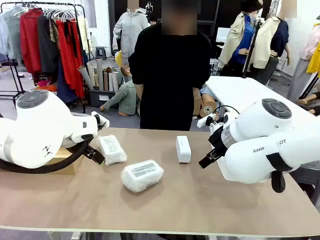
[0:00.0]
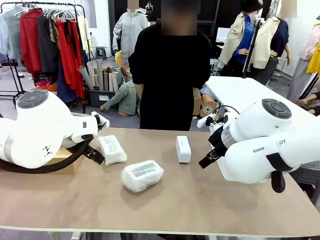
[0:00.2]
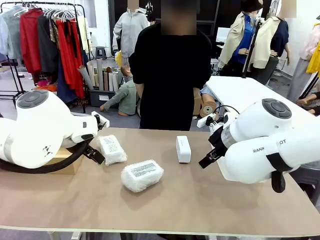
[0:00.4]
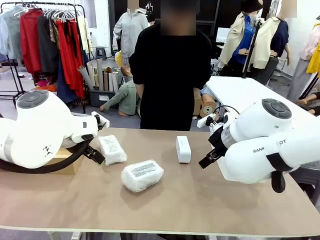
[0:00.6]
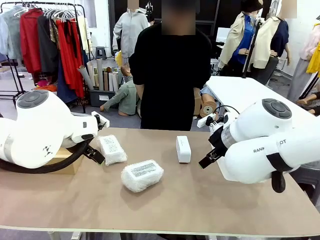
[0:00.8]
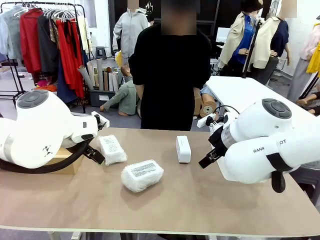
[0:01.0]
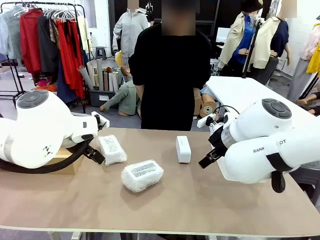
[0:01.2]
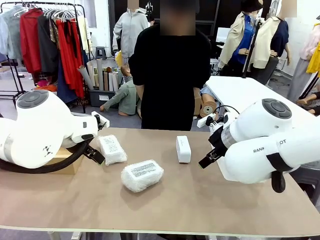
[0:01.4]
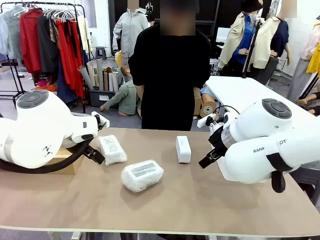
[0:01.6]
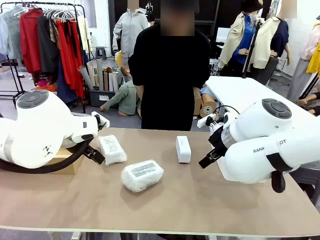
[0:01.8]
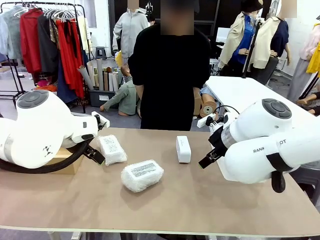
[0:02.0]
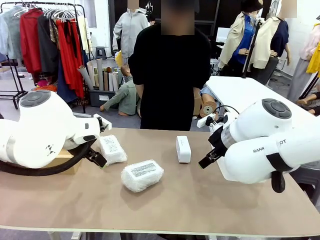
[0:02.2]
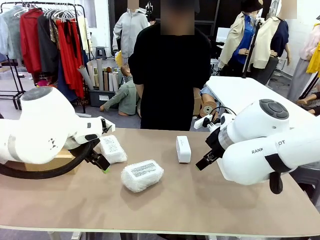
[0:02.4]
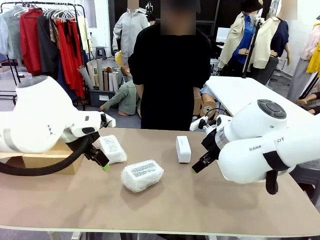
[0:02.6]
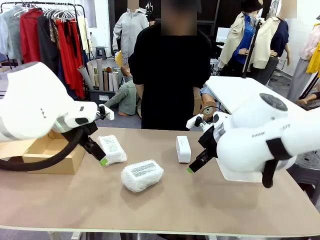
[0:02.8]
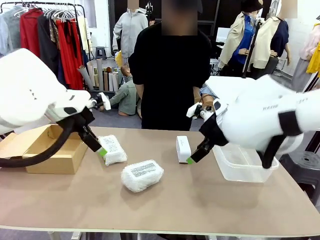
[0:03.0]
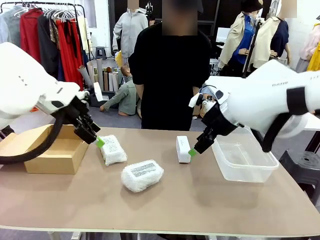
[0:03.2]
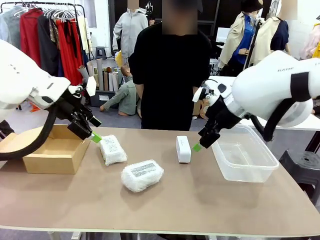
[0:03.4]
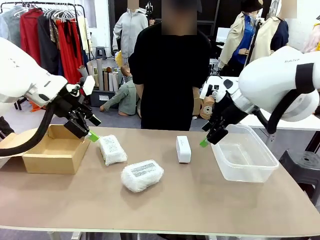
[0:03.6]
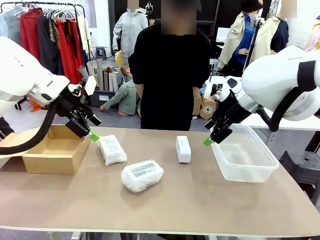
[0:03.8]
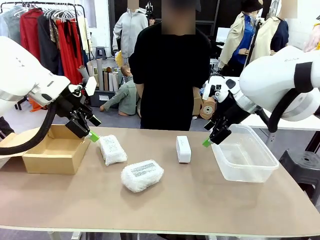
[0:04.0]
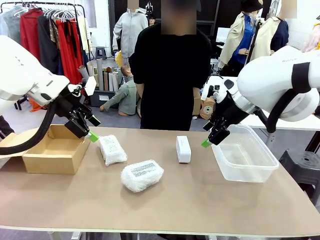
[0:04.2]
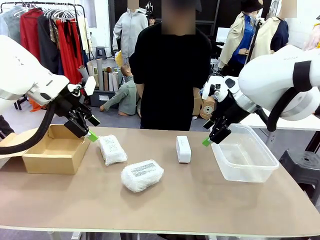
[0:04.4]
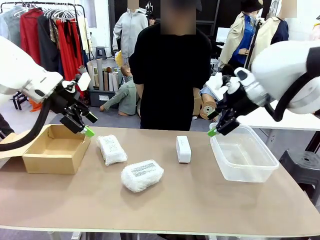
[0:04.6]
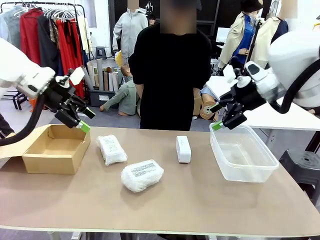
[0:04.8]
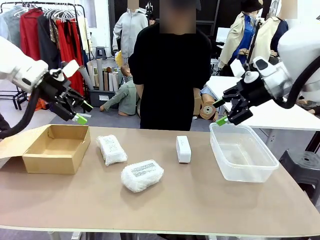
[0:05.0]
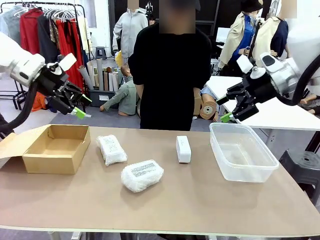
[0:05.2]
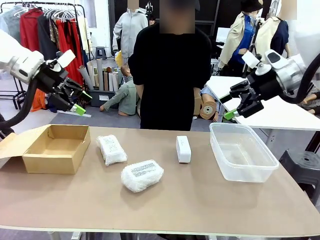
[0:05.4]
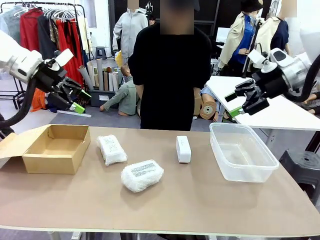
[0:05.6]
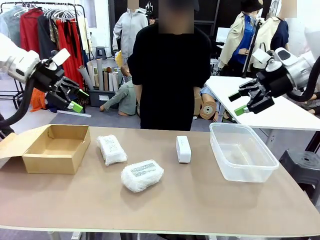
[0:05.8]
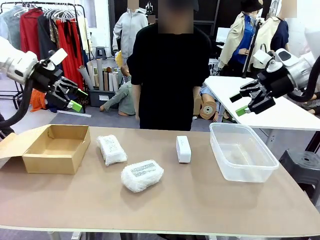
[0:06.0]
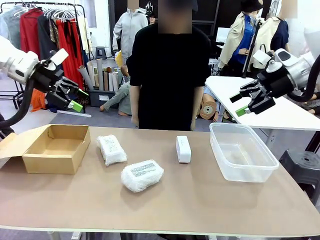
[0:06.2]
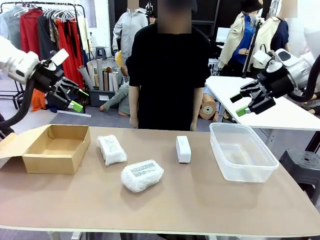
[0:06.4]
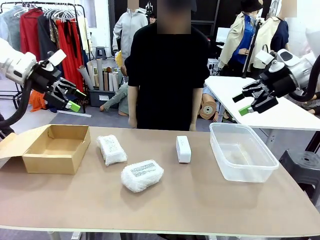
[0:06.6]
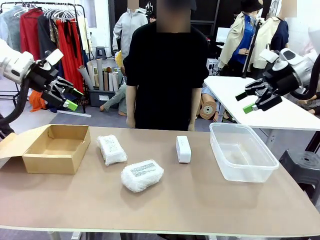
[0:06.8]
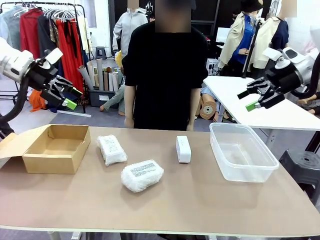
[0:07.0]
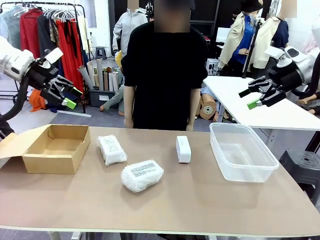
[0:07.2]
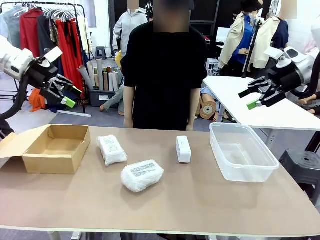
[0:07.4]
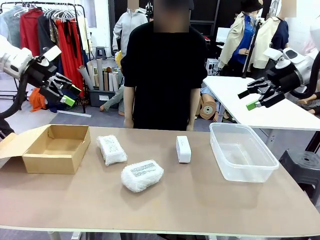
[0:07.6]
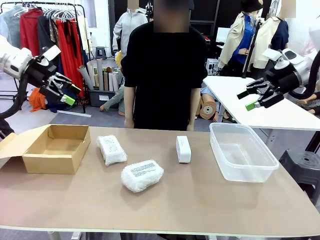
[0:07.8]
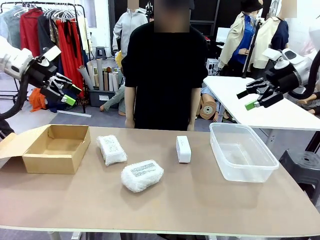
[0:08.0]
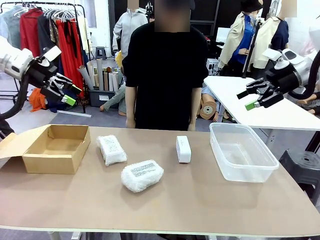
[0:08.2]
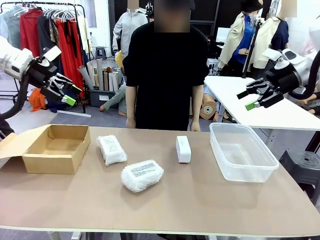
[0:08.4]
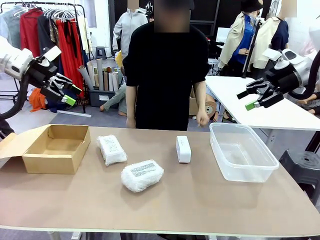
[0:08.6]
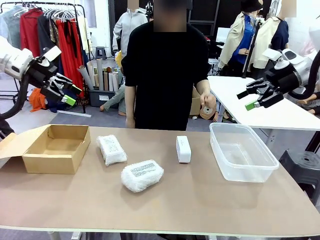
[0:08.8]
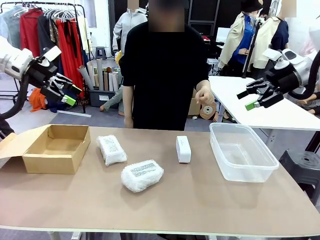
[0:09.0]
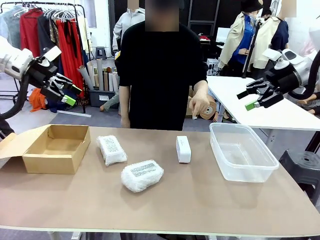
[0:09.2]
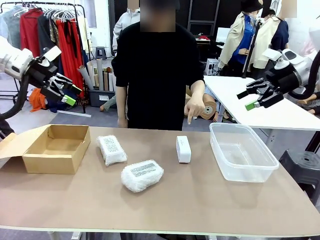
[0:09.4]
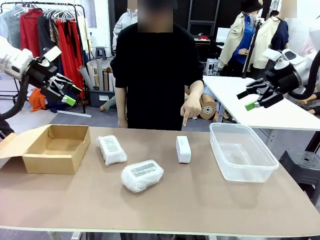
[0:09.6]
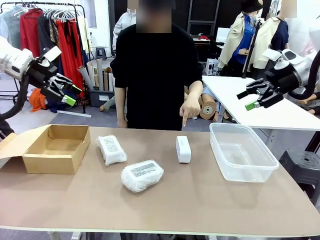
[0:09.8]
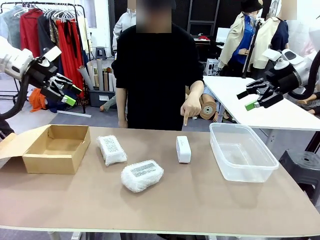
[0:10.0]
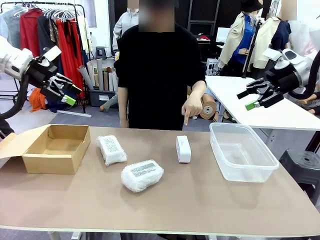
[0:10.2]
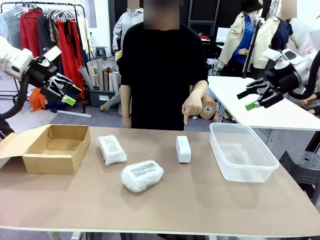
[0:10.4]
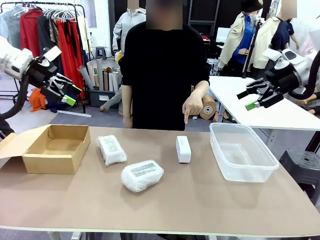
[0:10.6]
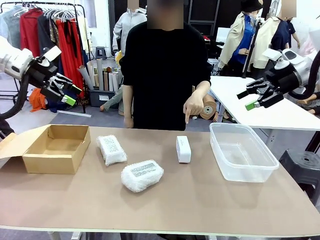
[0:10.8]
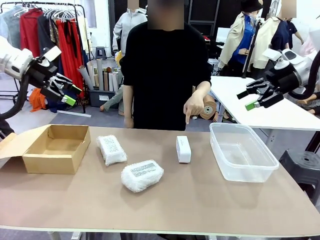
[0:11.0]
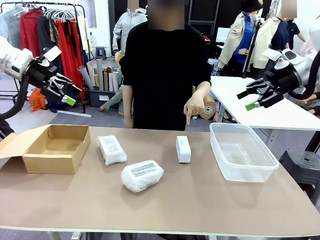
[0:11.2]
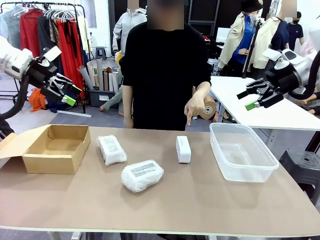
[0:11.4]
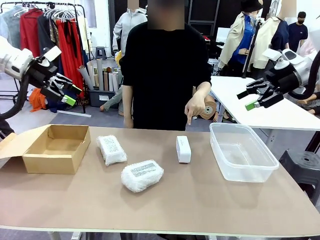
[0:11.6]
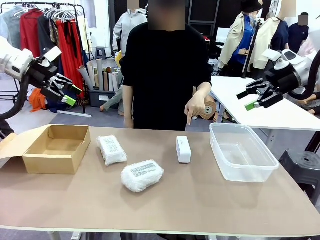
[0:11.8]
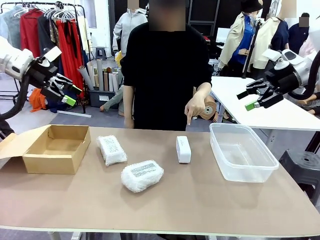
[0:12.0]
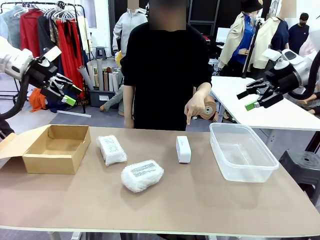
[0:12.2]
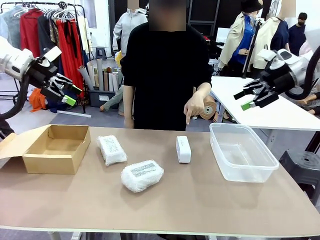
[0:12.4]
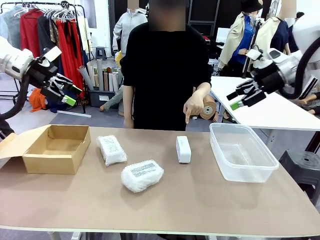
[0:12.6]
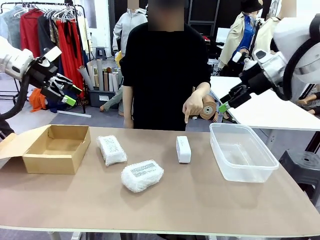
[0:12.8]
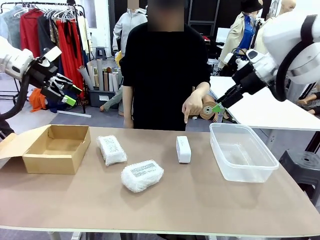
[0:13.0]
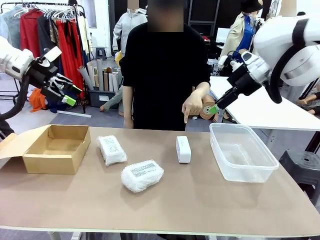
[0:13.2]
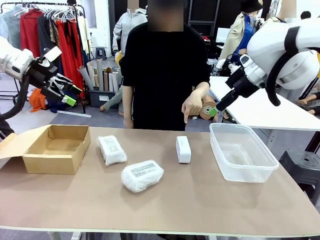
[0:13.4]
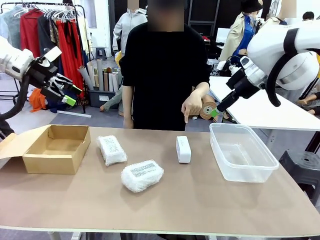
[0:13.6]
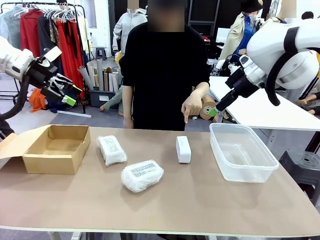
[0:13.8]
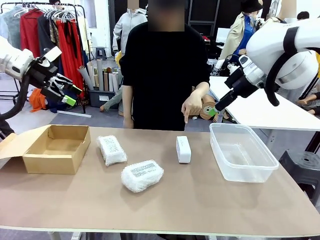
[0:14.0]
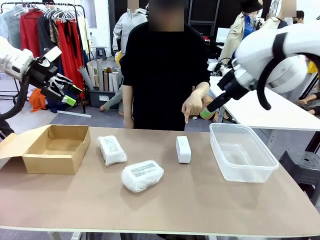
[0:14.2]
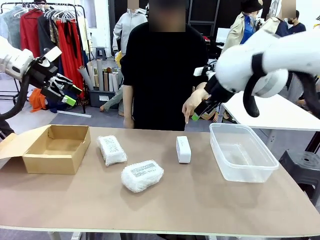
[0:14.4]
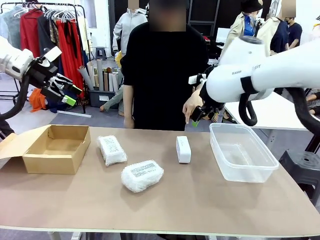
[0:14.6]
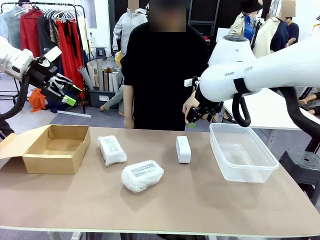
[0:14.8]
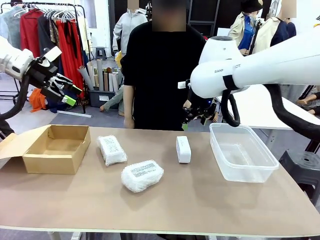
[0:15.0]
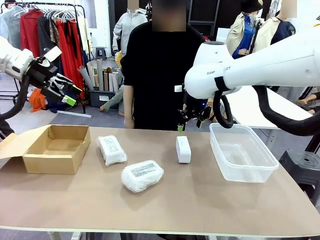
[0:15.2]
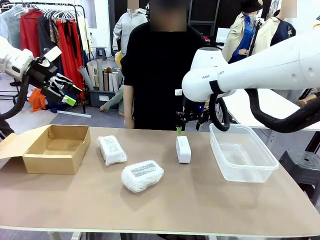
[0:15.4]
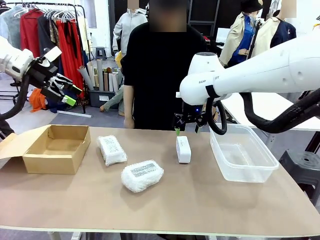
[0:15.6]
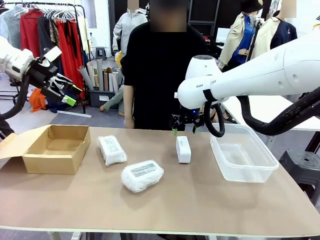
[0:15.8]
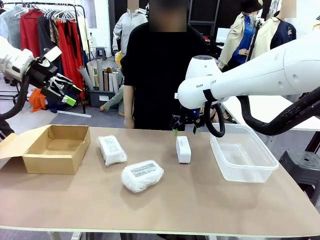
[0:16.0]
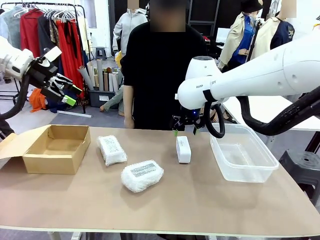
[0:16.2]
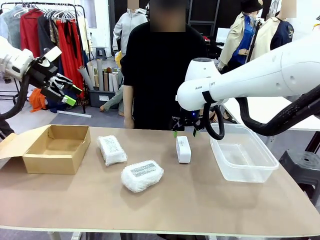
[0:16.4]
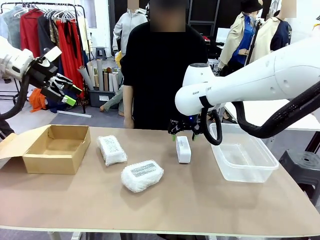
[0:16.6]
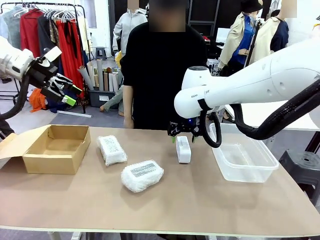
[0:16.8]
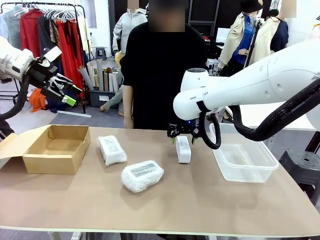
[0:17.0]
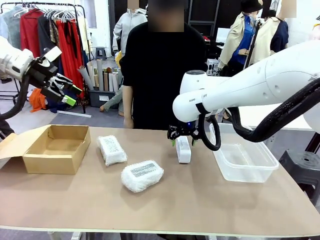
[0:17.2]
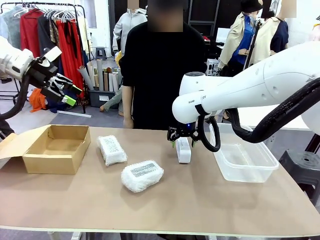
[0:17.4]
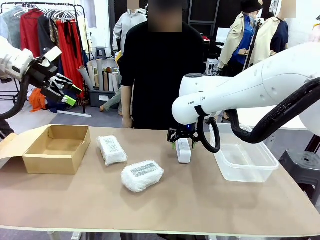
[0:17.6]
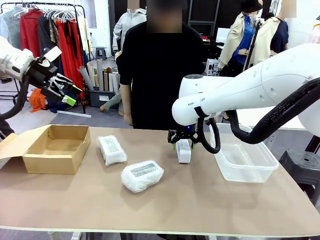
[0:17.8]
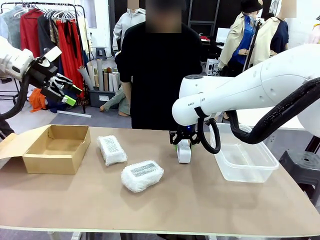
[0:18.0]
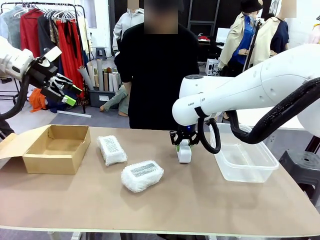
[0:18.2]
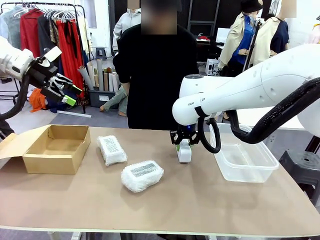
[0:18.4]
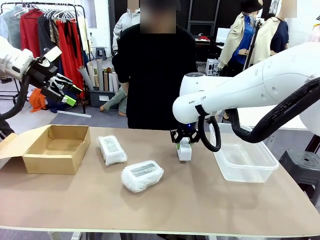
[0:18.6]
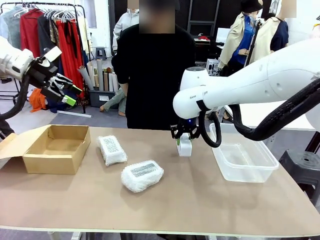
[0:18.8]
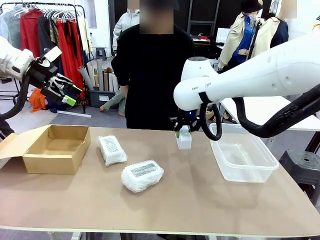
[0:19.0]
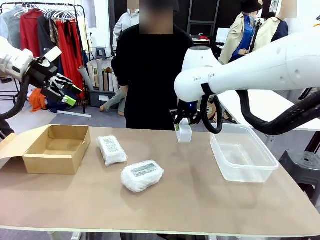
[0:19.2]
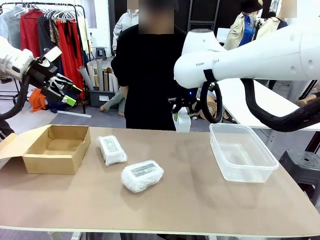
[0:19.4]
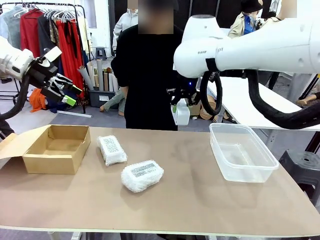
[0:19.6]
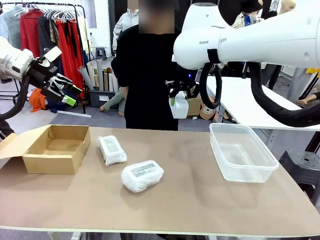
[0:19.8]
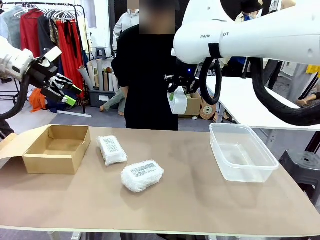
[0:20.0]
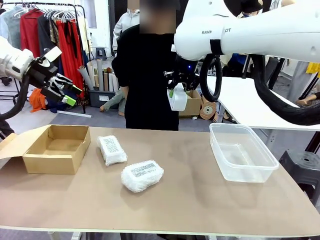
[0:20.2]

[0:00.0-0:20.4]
Task: Separate and place wrapped and unwrapped clocks.
Robot: Pick up the Digital clock indicated by the person.
